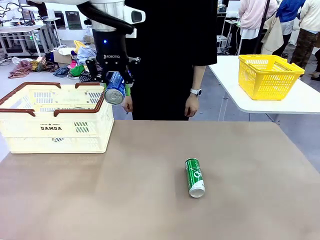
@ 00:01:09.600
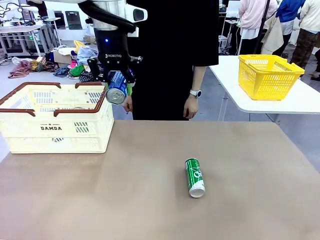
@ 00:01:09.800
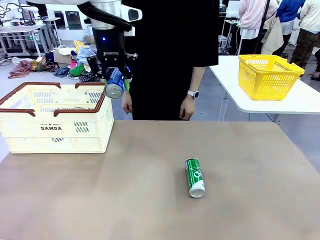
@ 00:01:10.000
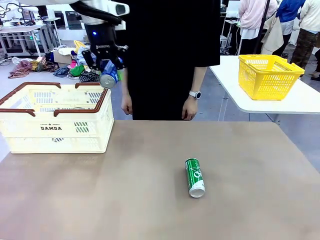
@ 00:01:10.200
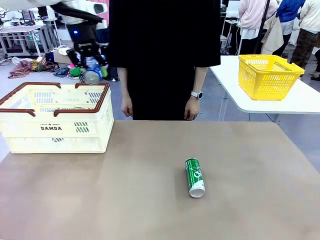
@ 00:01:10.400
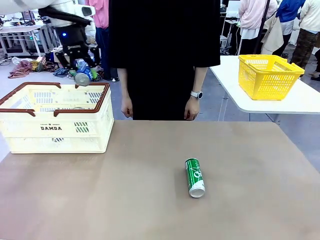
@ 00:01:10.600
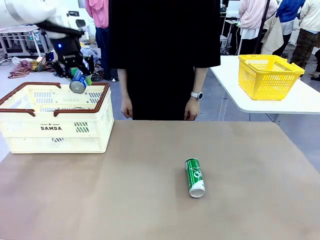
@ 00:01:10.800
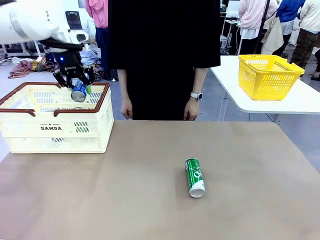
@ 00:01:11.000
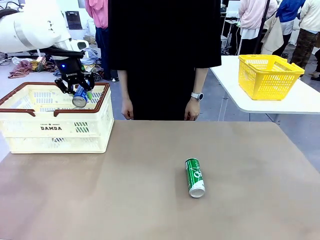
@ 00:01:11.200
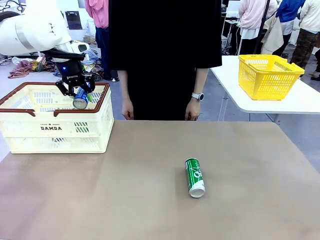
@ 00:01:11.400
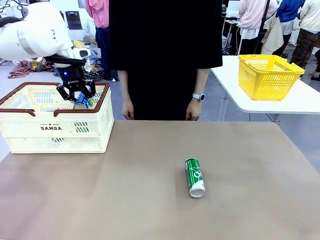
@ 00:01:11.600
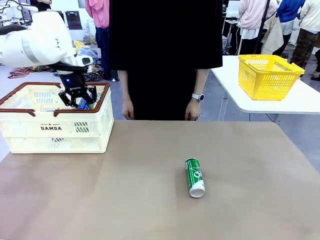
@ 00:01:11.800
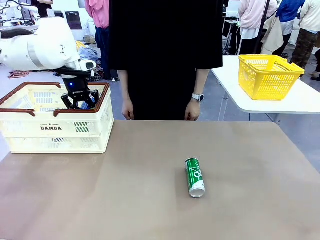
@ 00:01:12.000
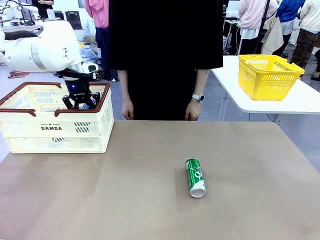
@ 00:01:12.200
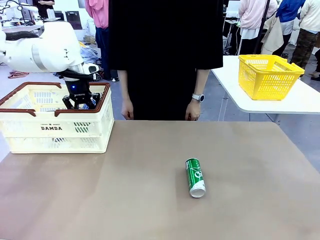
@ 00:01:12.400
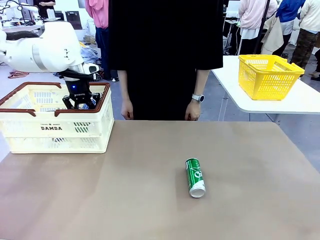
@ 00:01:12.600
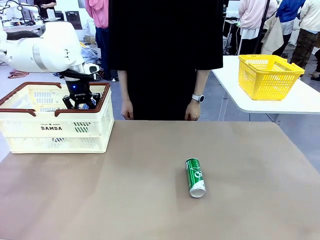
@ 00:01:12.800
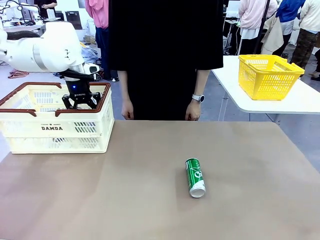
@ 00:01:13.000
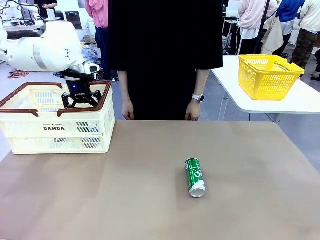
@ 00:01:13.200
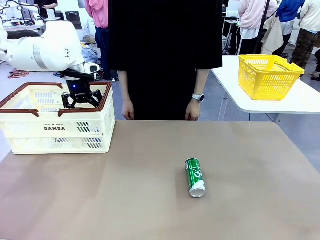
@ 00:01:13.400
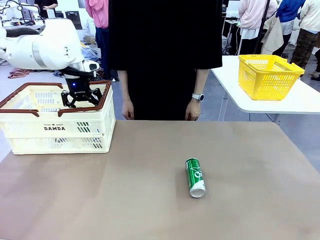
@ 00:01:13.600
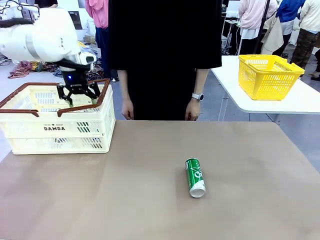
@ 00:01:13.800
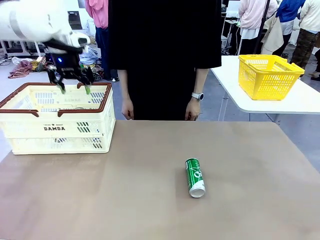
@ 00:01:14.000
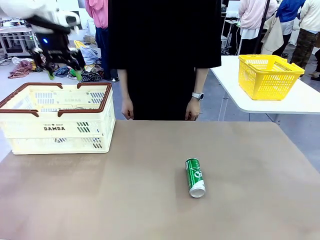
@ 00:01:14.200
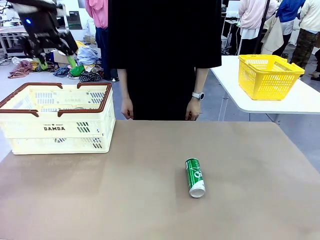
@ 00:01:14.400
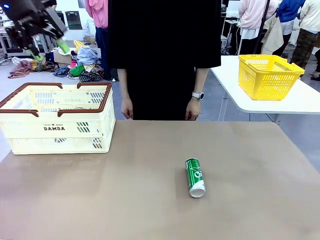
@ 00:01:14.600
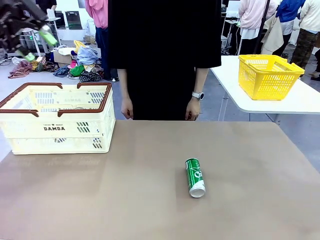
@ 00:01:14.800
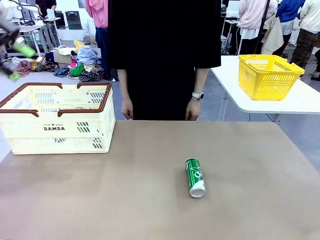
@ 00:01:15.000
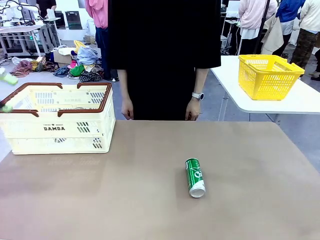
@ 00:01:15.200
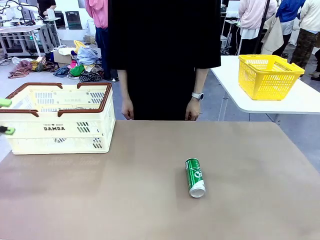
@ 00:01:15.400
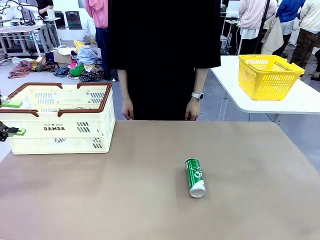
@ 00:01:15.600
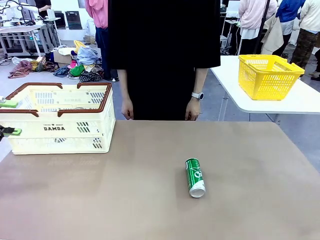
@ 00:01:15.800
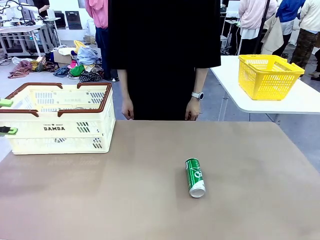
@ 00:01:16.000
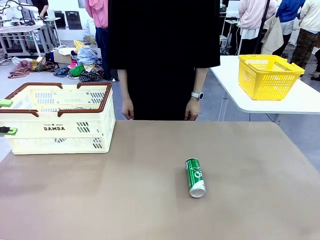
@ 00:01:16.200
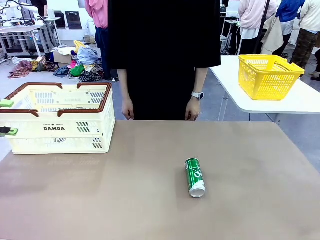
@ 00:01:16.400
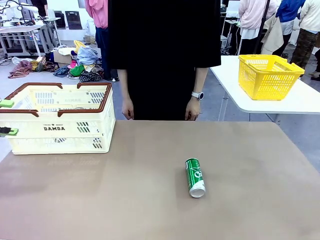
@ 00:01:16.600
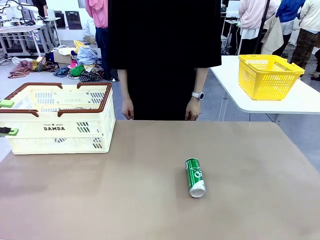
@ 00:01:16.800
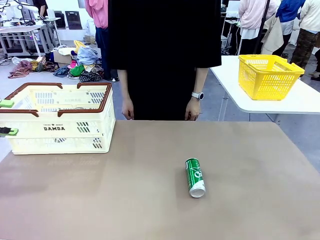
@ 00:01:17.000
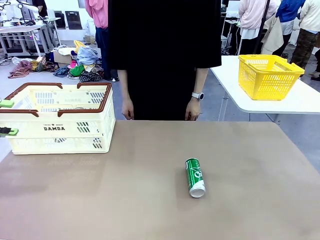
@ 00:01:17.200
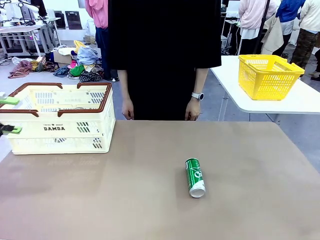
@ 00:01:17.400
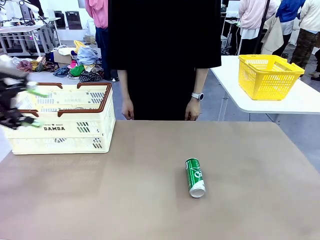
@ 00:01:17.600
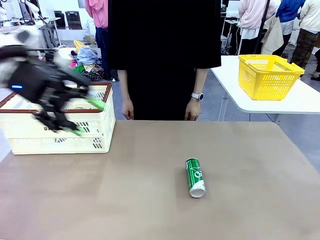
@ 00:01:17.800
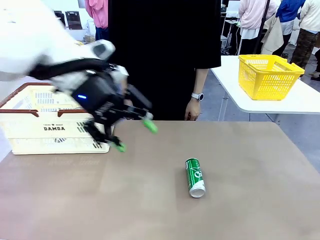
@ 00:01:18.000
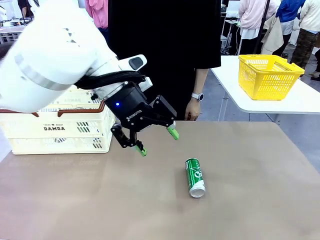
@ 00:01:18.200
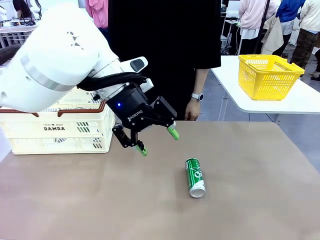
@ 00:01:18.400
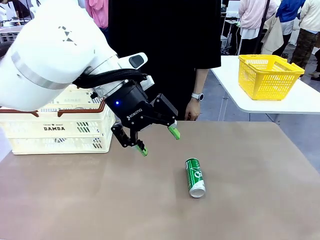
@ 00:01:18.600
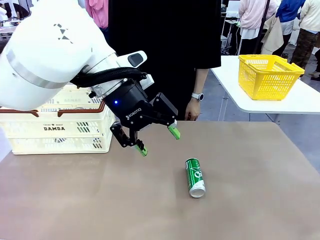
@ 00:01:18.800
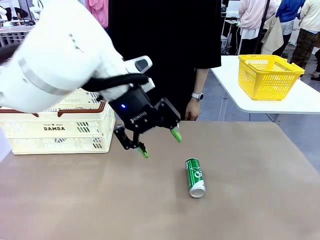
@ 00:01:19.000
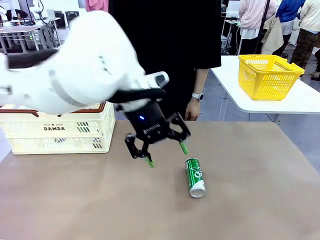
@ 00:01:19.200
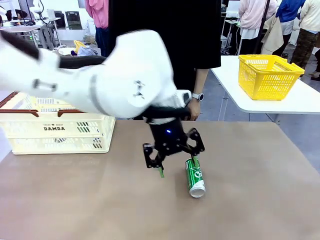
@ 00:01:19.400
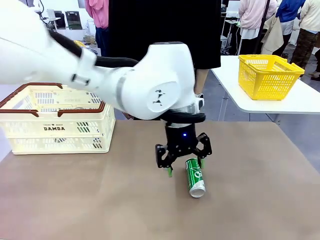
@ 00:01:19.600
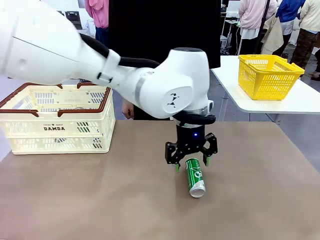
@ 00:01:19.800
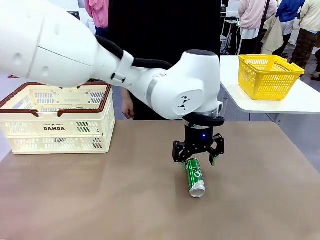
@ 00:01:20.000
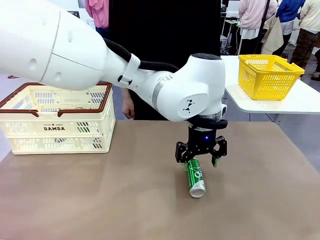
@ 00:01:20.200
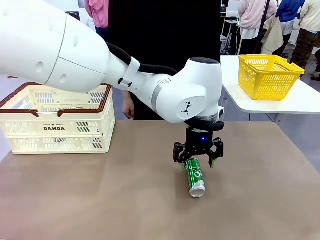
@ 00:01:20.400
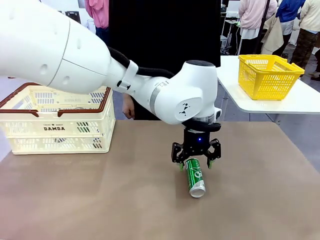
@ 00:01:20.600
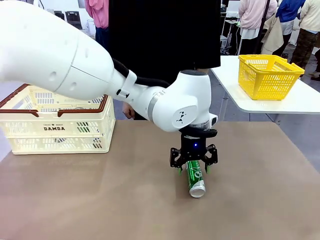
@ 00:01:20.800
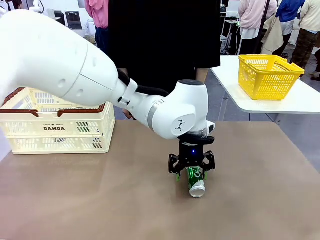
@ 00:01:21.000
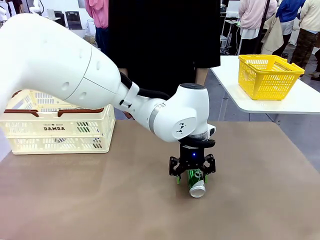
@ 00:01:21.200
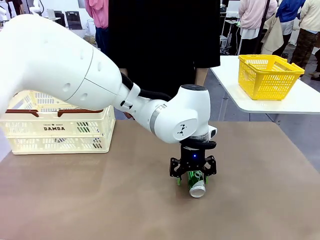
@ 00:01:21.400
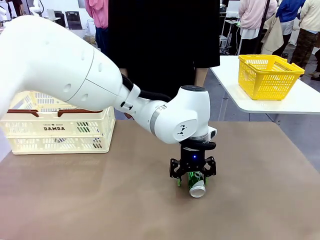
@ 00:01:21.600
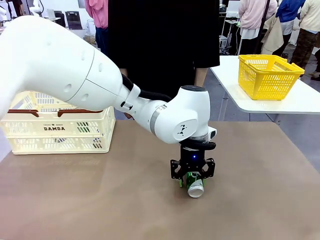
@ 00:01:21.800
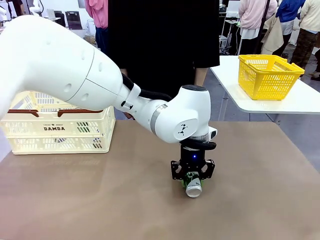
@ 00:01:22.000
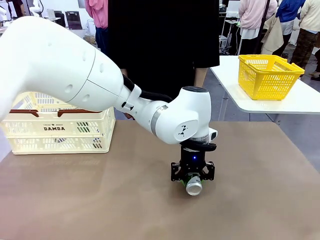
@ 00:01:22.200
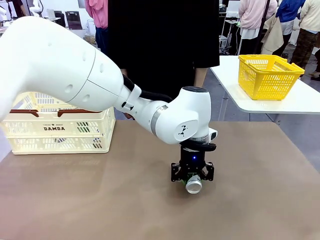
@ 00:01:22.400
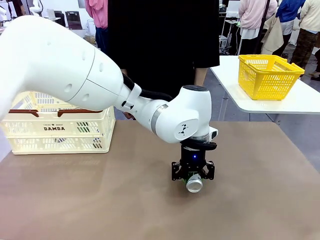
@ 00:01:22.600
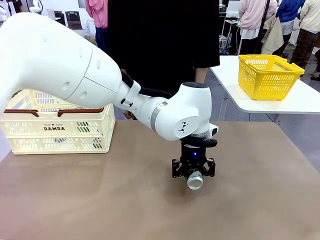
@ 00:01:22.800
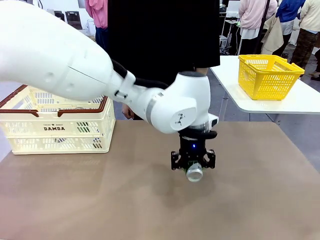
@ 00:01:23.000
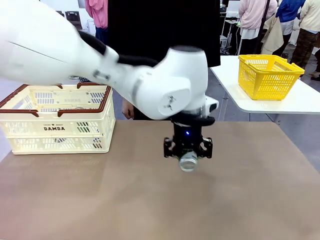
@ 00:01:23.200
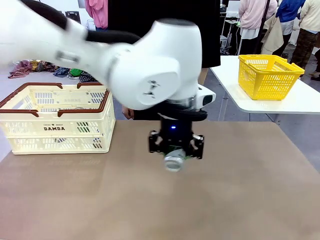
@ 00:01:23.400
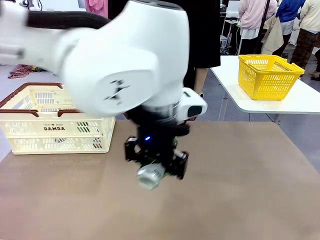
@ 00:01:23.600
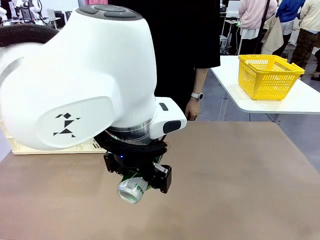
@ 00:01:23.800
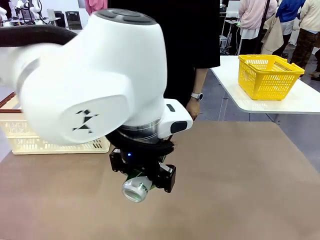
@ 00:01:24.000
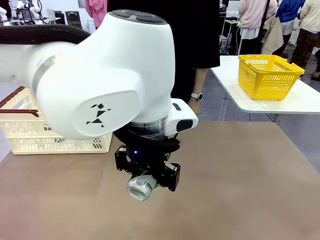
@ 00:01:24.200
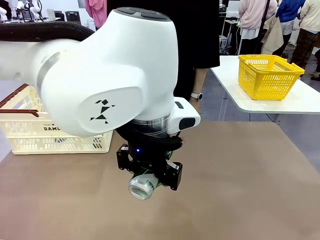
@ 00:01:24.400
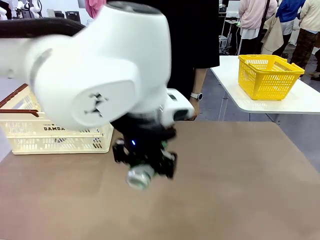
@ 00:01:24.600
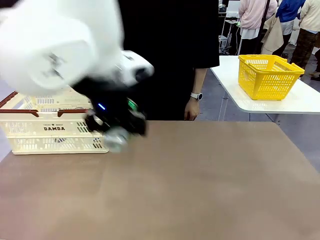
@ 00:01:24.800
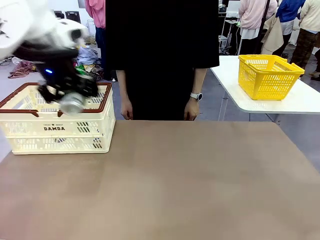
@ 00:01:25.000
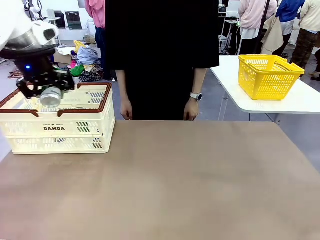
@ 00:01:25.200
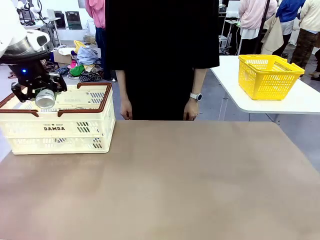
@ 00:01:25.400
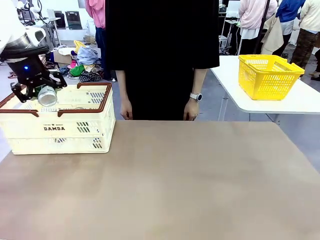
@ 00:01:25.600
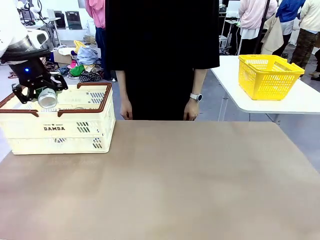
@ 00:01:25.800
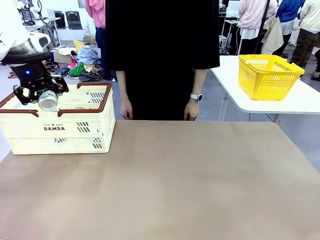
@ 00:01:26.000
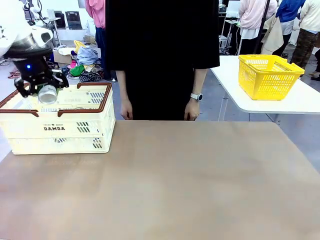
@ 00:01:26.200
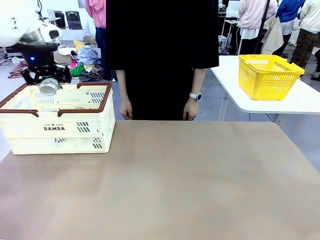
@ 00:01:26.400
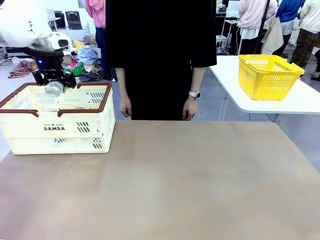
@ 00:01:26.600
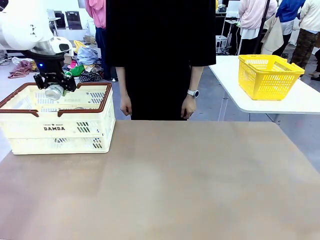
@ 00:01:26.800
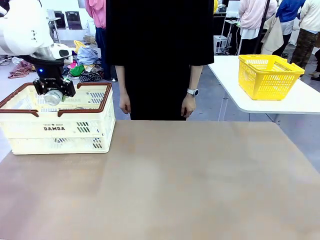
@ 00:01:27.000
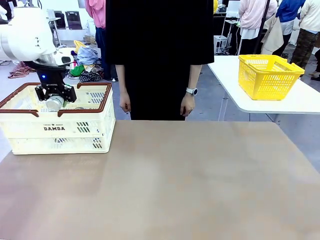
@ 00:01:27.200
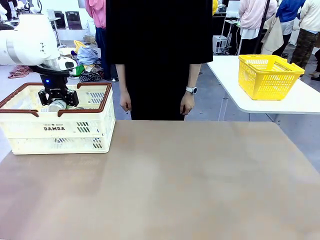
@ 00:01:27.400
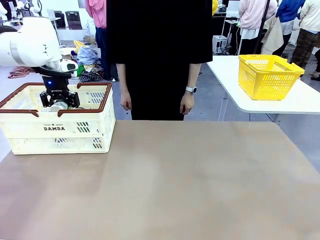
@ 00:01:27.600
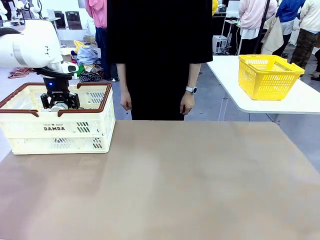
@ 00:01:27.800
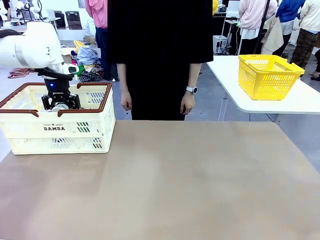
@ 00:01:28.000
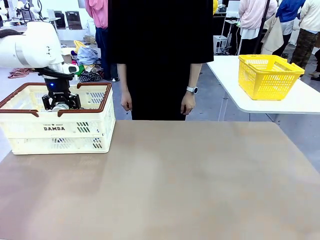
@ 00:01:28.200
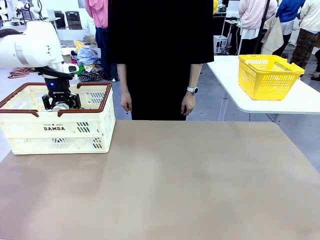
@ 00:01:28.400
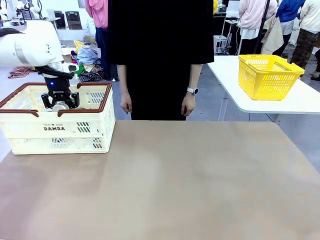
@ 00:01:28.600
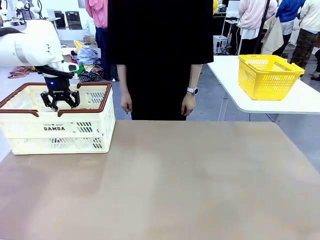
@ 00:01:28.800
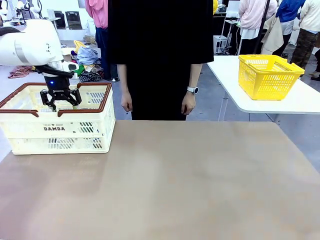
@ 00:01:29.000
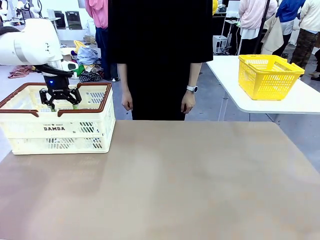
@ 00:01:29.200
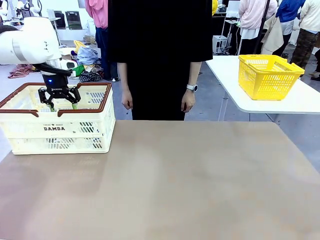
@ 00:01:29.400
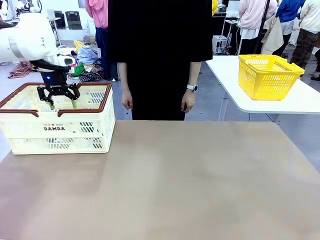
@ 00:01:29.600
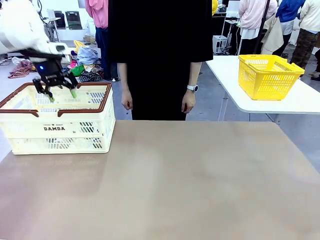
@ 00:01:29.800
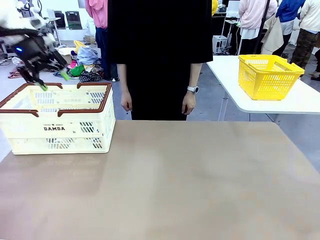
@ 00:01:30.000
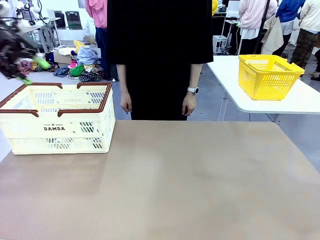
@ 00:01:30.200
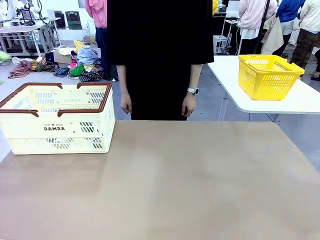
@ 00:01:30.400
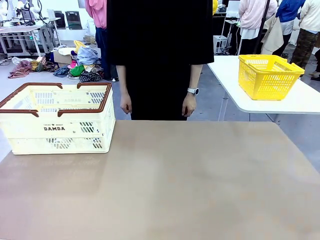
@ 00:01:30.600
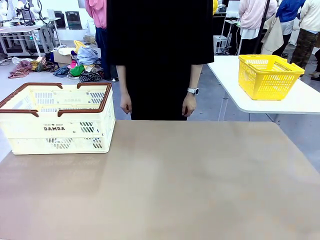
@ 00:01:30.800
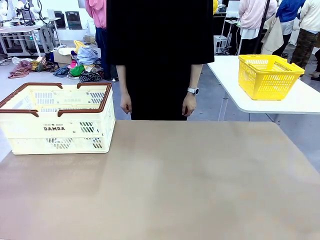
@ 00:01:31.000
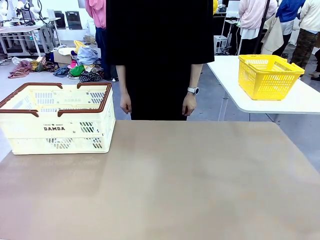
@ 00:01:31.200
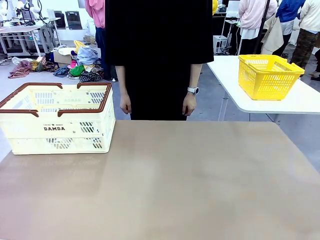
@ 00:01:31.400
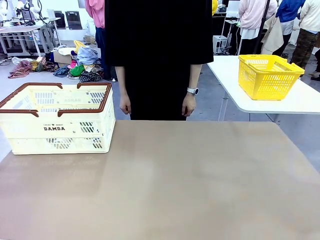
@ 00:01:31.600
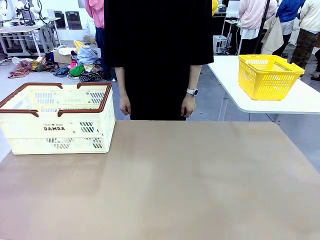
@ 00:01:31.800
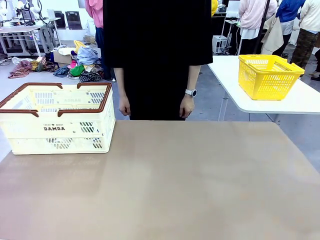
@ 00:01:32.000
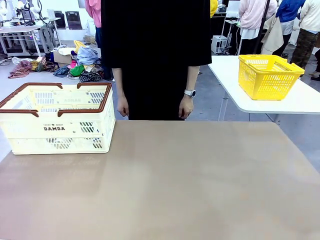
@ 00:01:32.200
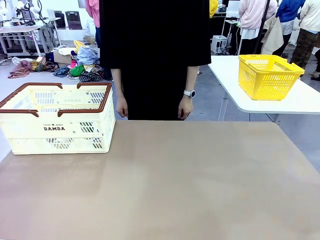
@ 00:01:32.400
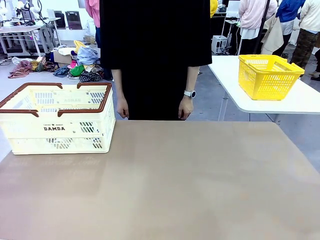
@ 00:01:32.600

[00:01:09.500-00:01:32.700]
Task: Place the drinks into the Shopping basket.
Robot: Pick up one drink and place it into the Shopping basket.
